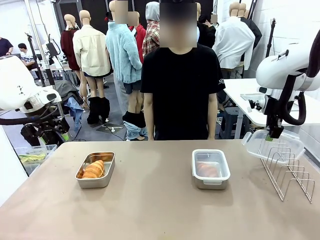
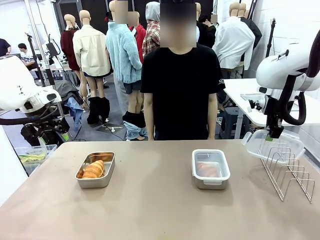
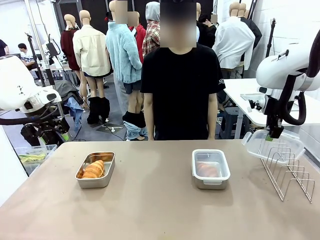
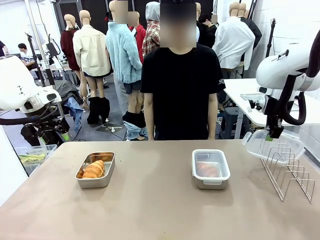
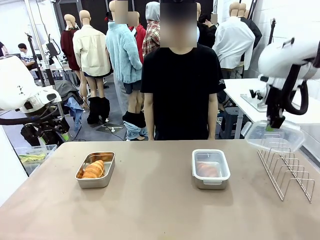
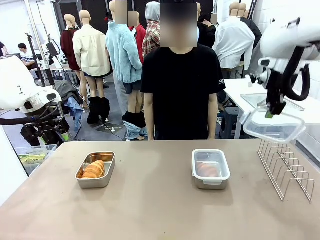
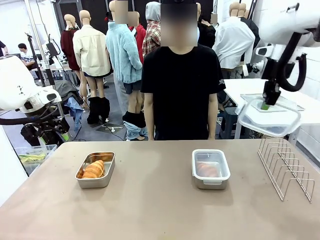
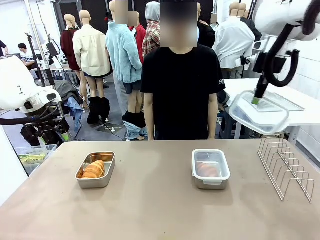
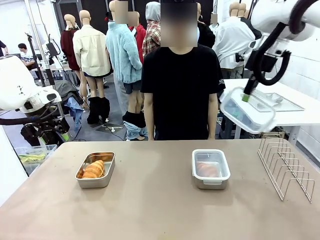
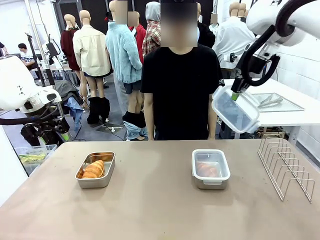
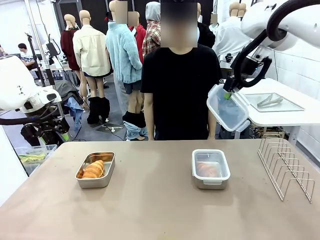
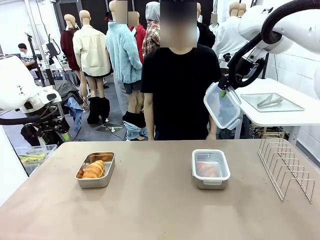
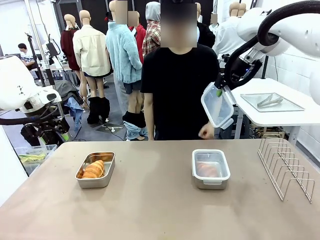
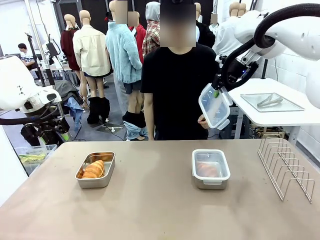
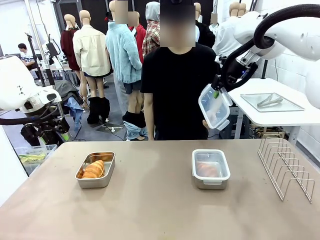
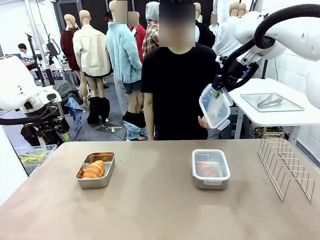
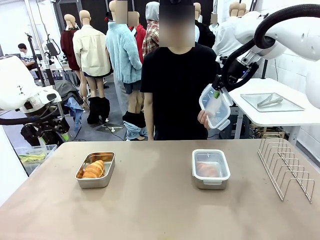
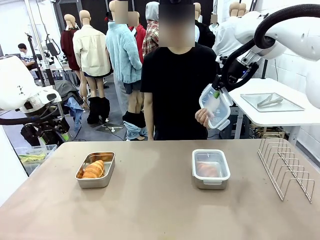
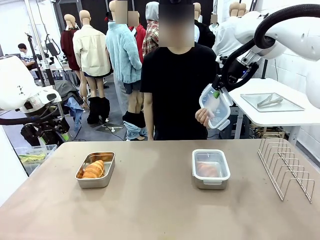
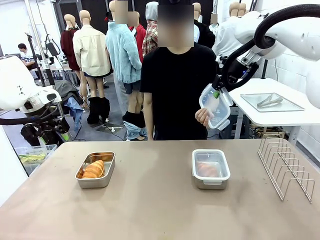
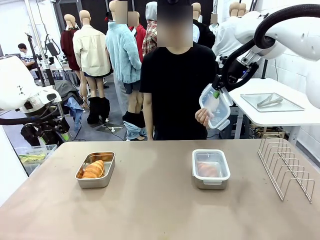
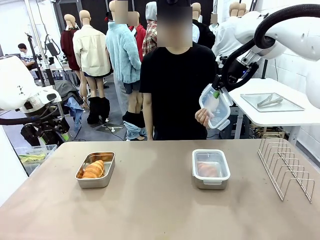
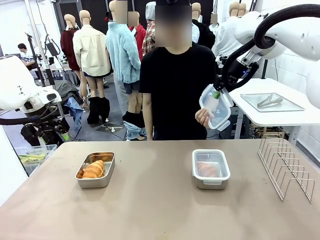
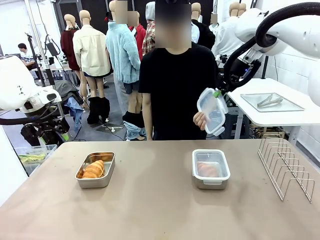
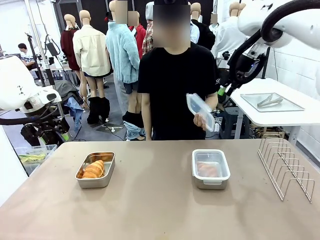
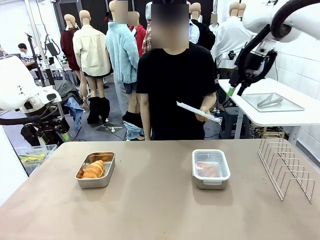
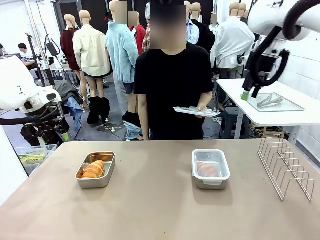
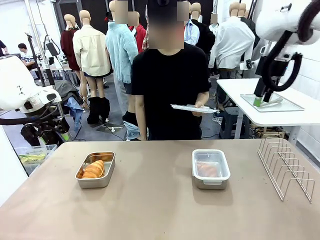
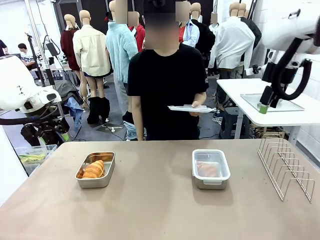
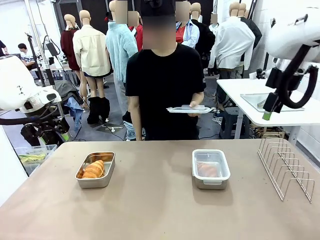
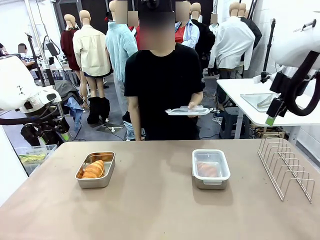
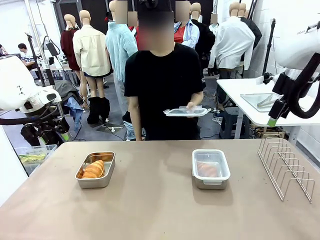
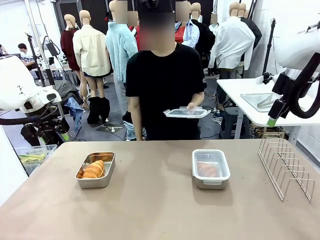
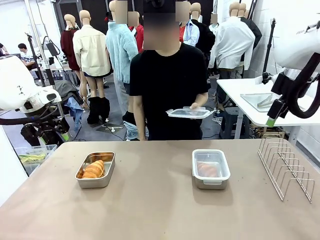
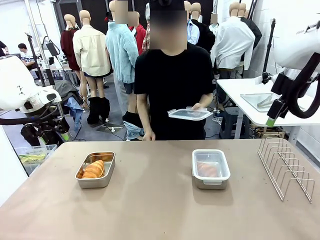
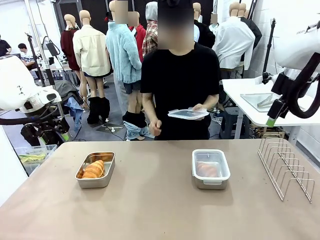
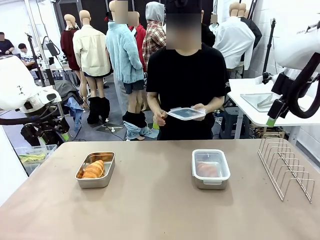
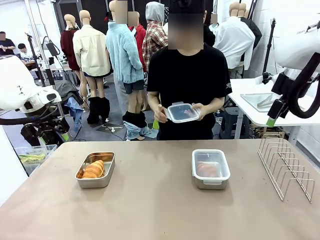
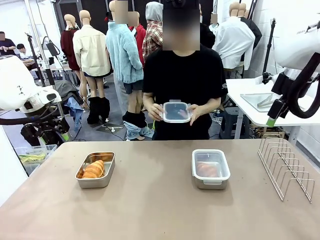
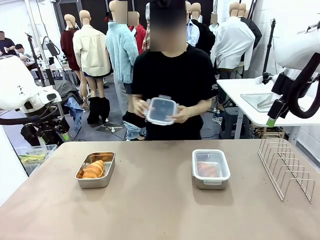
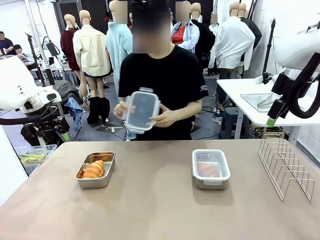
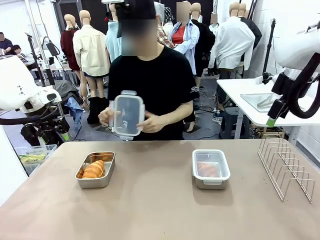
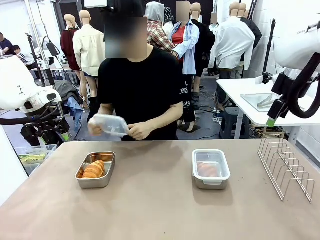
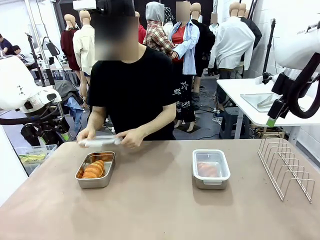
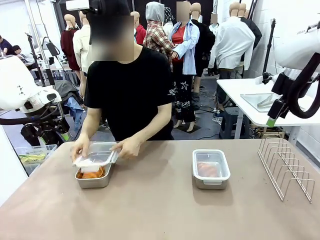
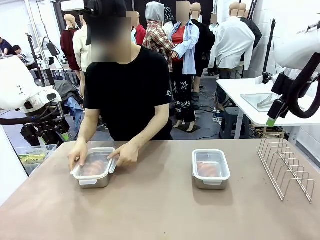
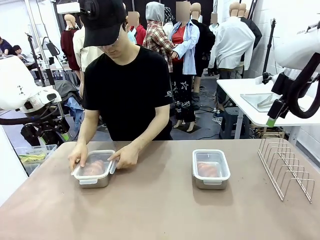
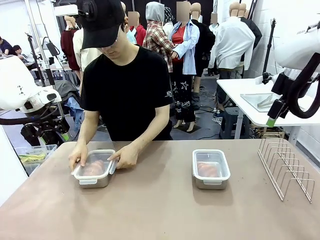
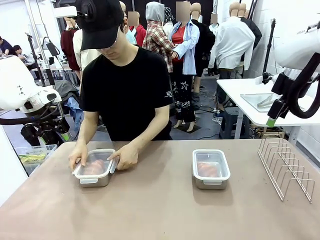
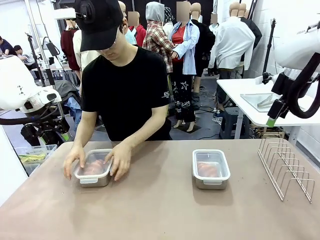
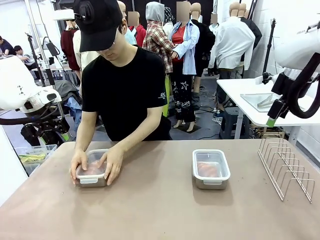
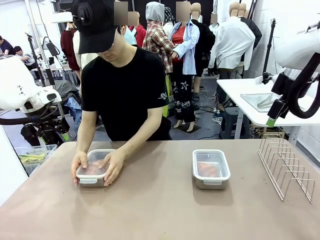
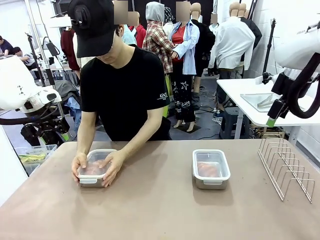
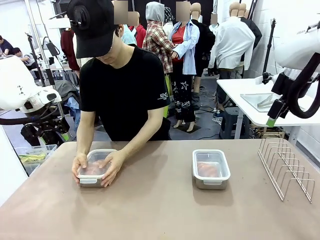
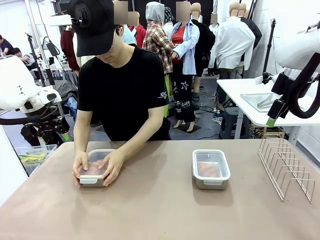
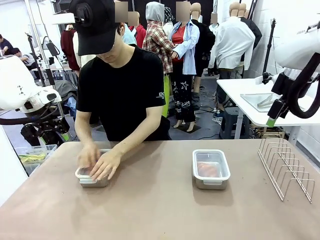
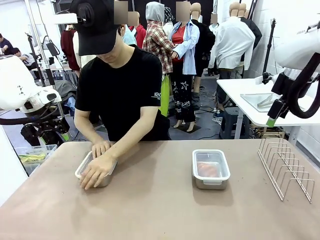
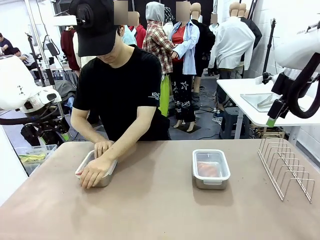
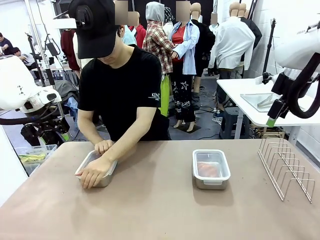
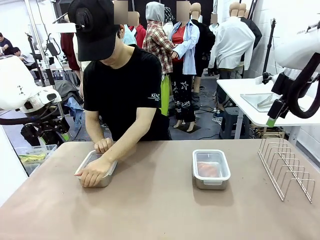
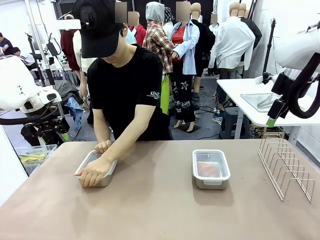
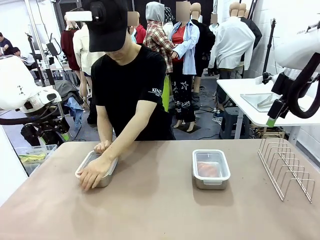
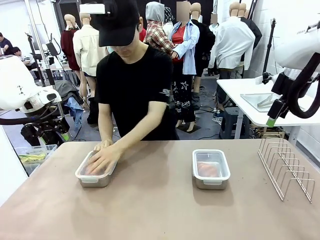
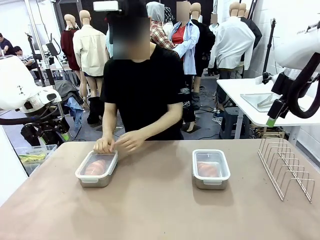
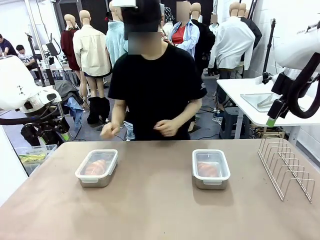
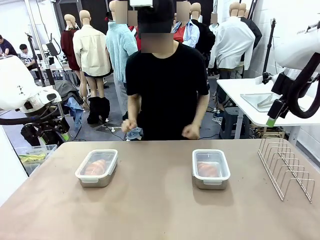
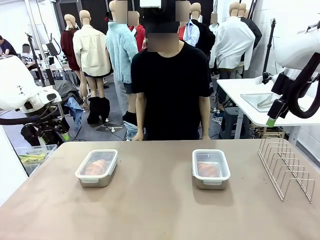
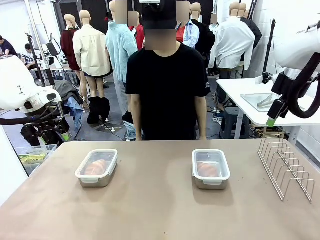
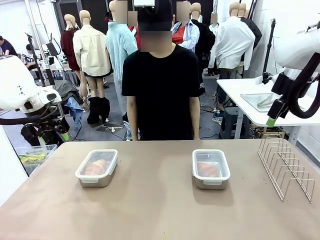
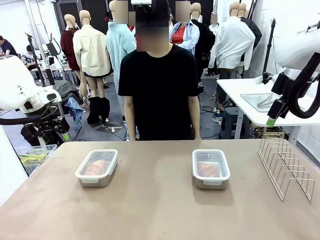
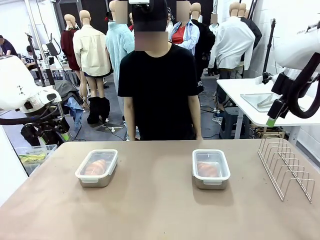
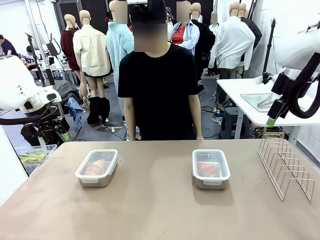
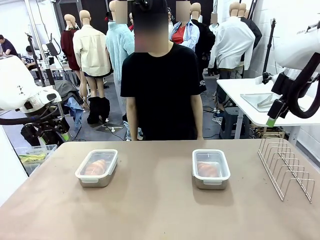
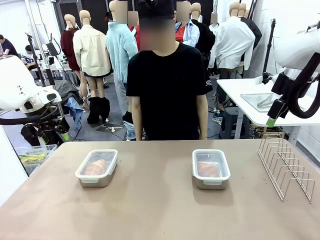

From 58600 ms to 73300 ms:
Task: Place the bread in airtight containers.
Robot: Release when the human grabs the Airtight Container lid.
Person: Grip Airtight Container lid that robot is handing. Close Airtight Container with a handed Airtight Container lid.
